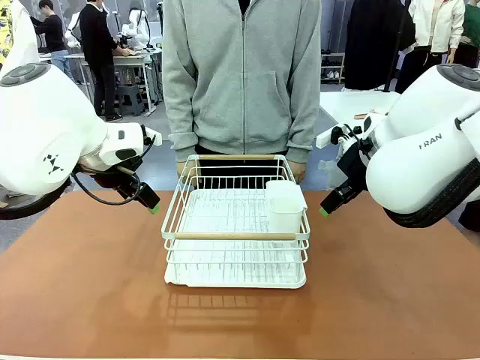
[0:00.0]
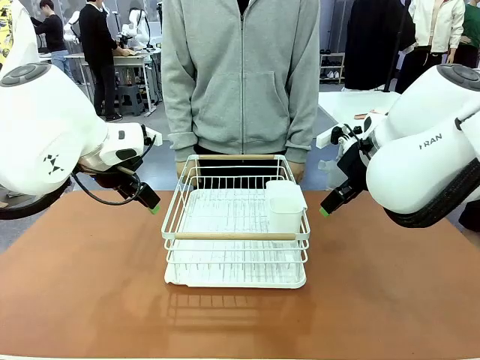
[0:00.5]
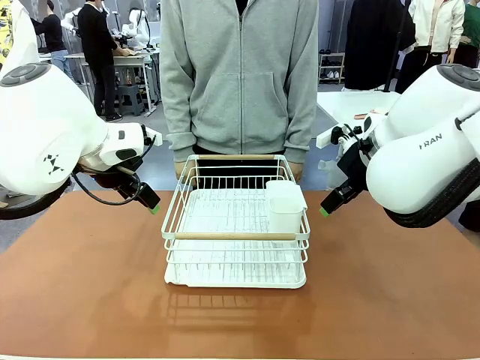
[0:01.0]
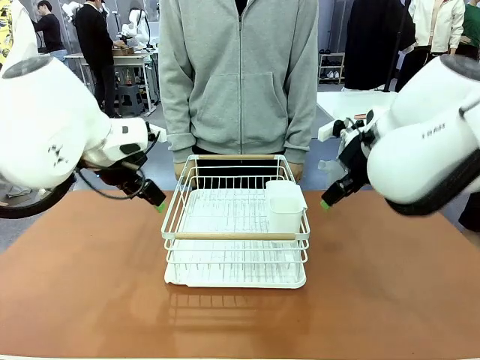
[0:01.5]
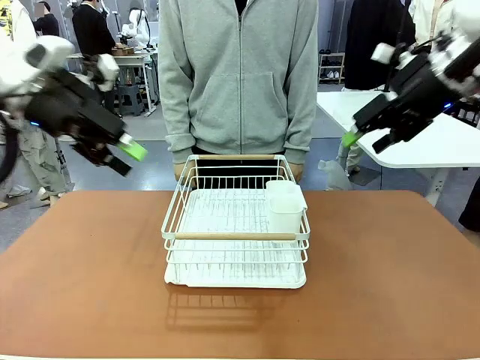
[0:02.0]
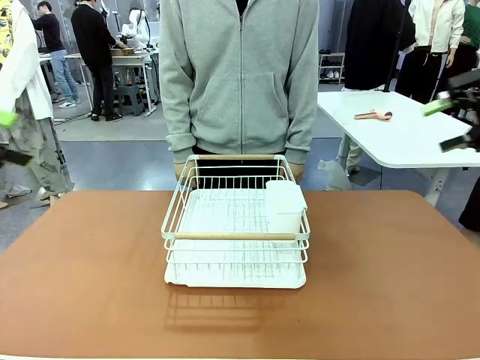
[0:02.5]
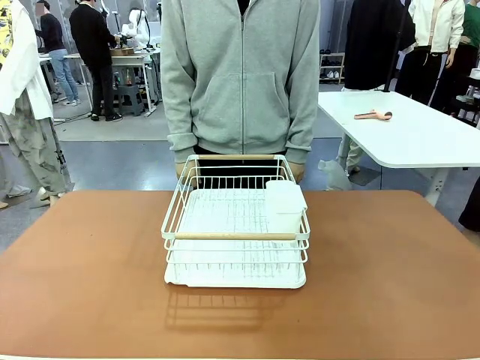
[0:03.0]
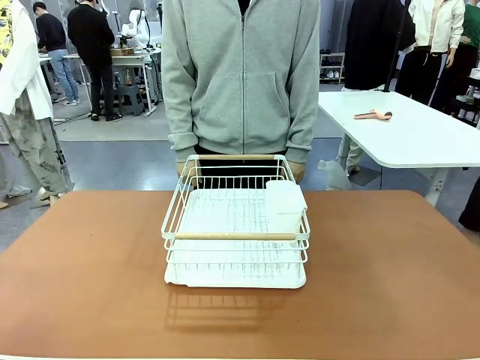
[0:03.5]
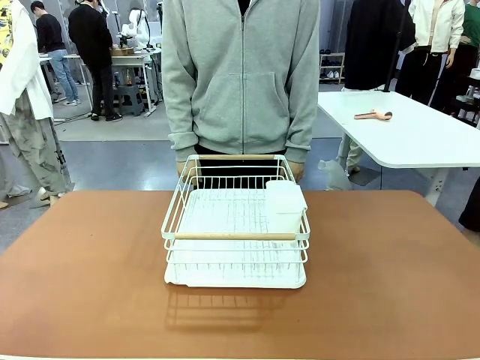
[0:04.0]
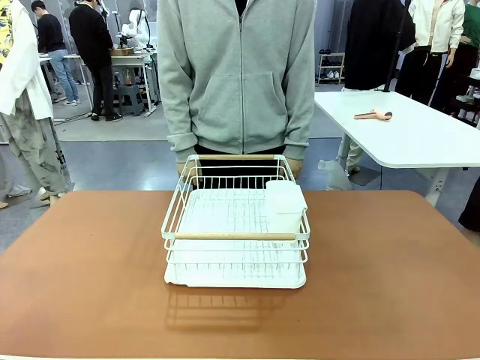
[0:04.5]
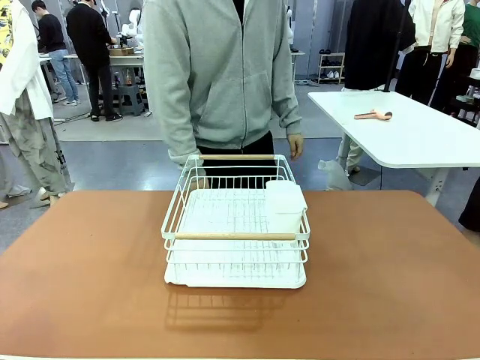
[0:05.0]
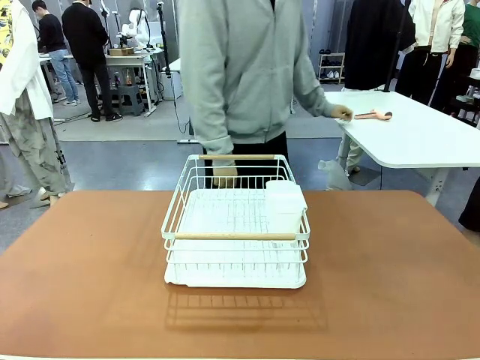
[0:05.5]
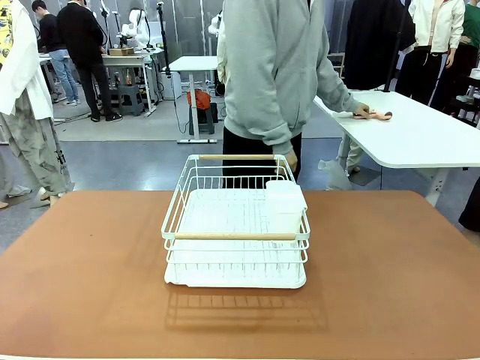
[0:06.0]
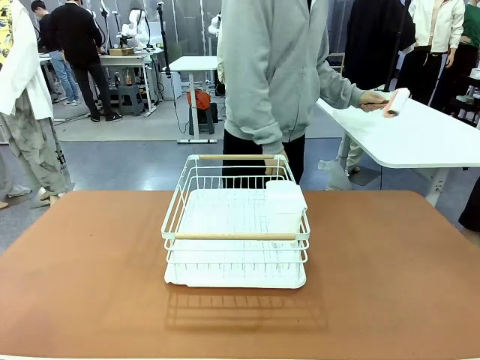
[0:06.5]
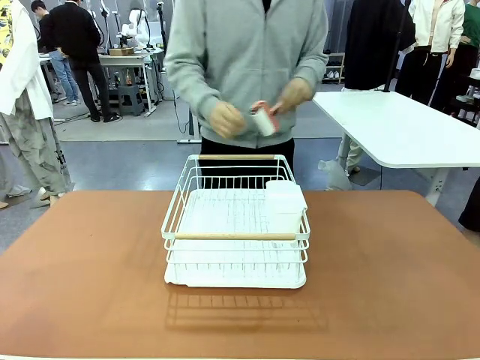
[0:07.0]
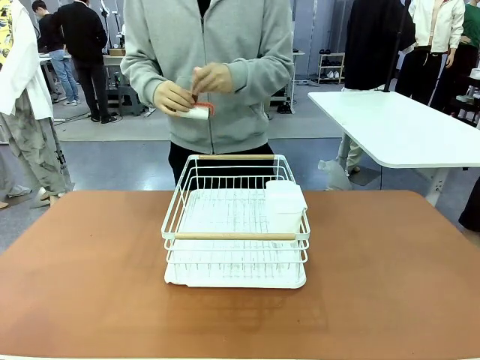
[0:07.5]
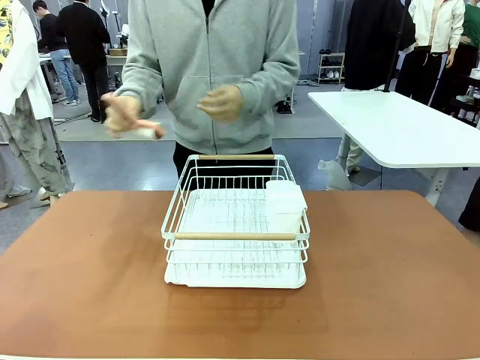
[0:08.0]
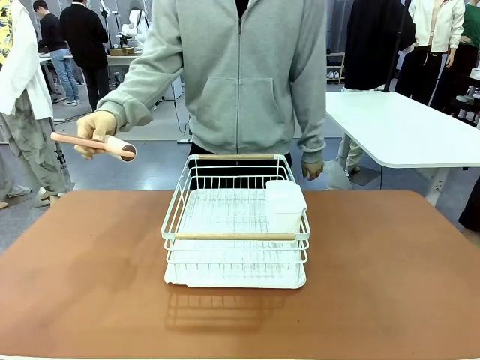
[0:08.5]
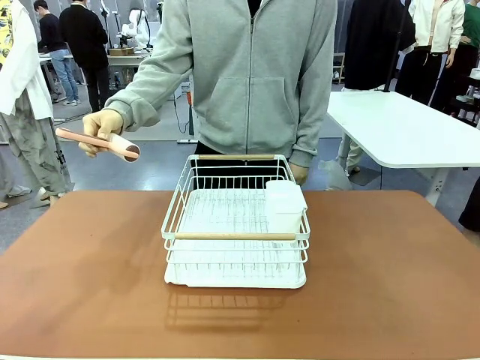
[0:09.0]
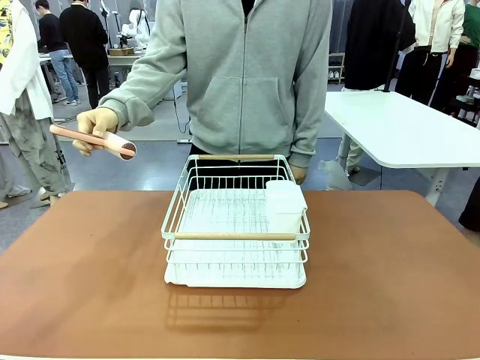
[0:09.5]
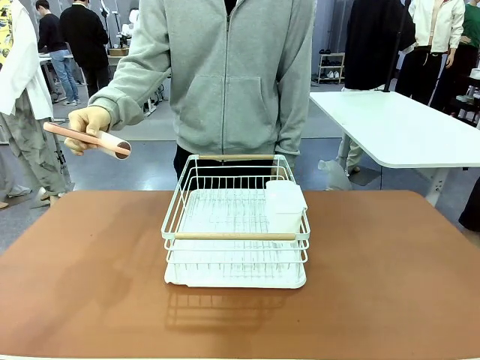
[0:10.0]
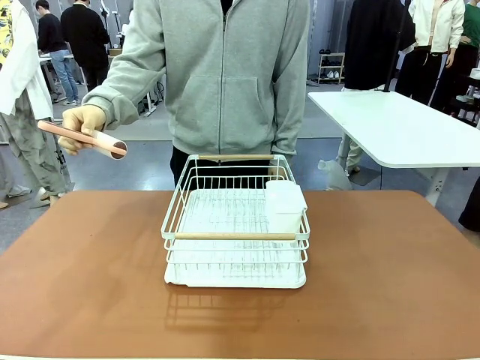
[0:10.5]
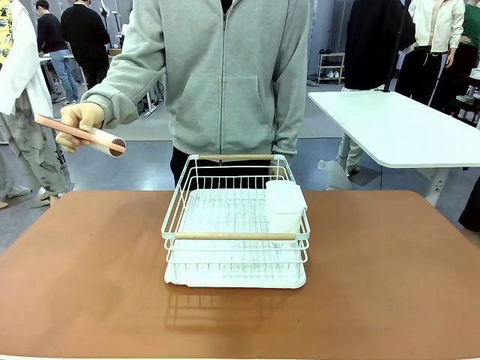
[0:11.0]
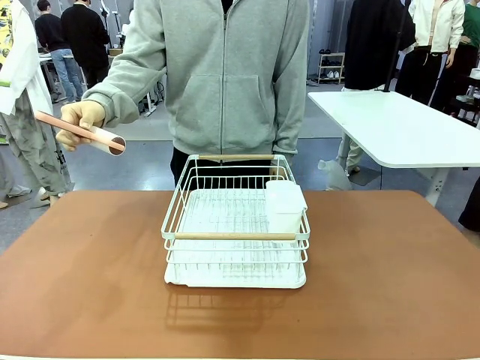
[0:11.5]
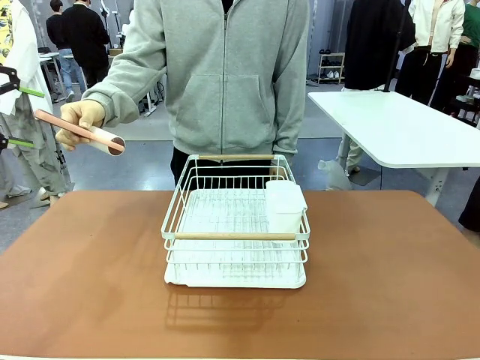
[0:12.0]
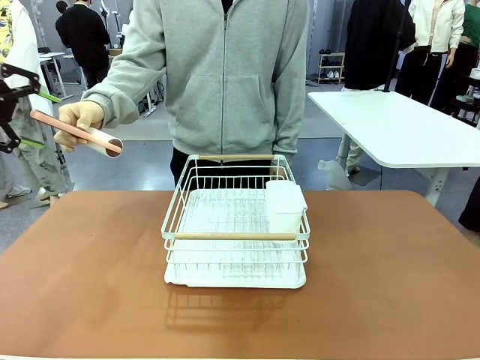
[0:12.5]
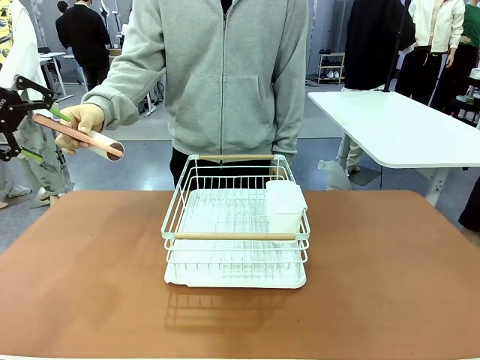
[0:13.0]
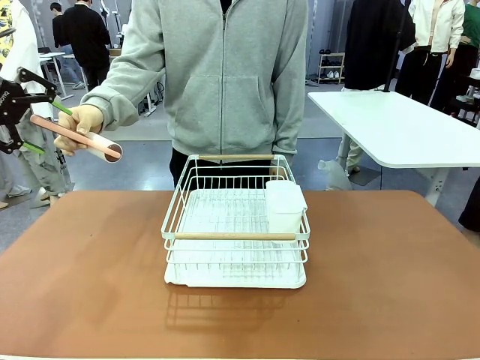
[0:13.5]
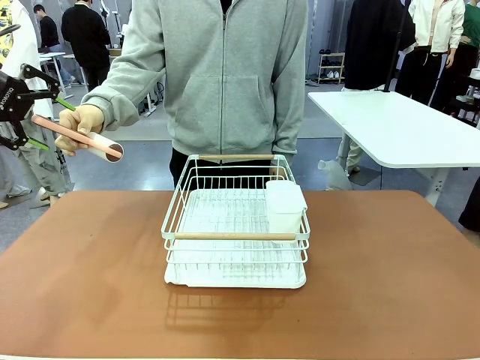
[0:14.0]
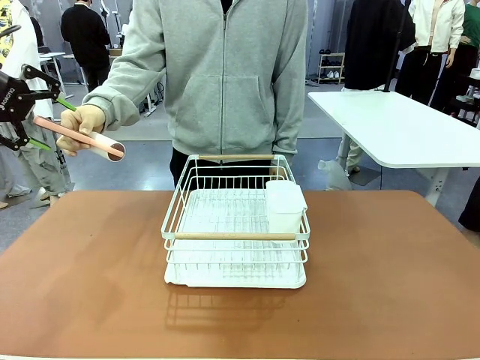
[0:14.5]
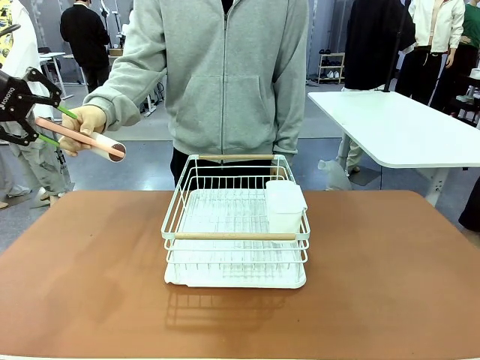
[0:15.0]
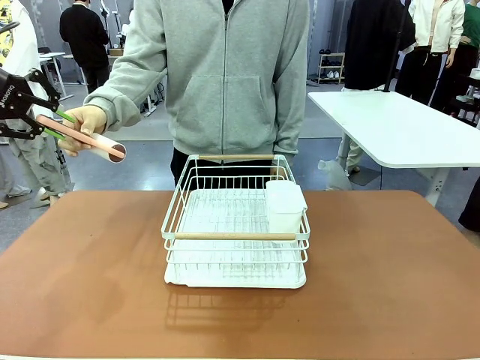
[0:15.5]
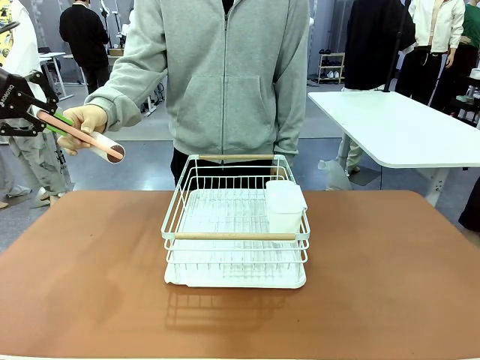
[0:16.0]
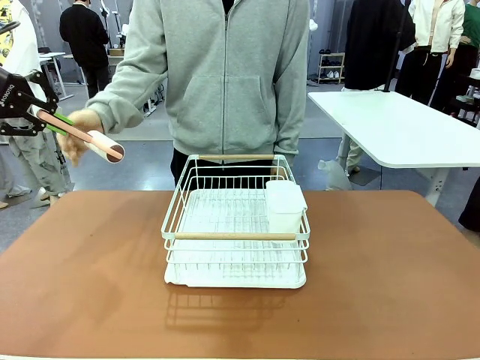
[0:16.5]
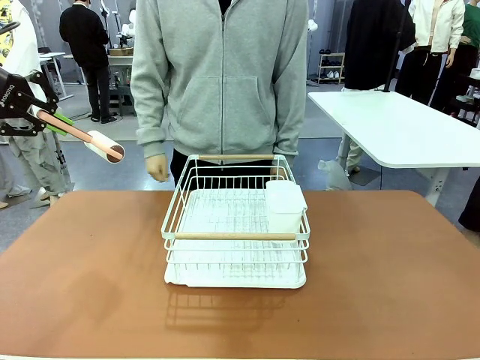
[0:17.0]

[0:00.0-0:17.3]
Task: Clean the table.
Robot: Pick up the Lint Roller when the human hands it over.
Person: Hand the Lint Roller to the robot so it can easily pick it up. Lift the Dish drying rack.

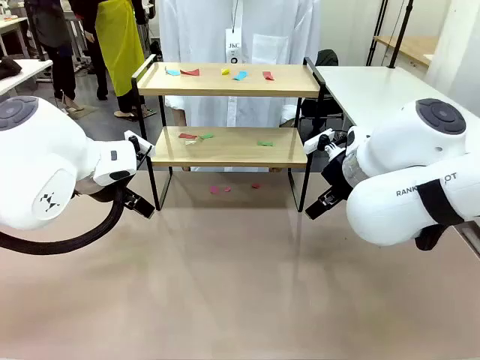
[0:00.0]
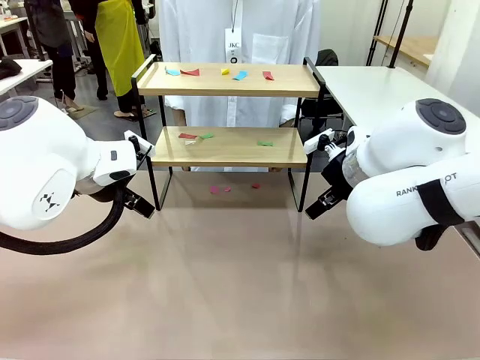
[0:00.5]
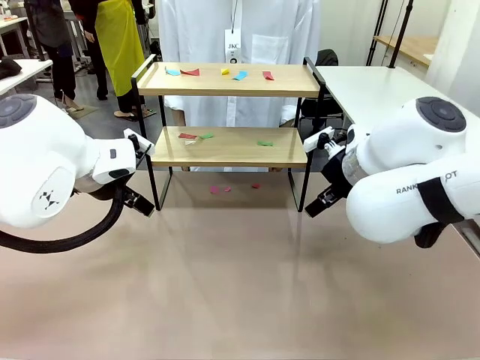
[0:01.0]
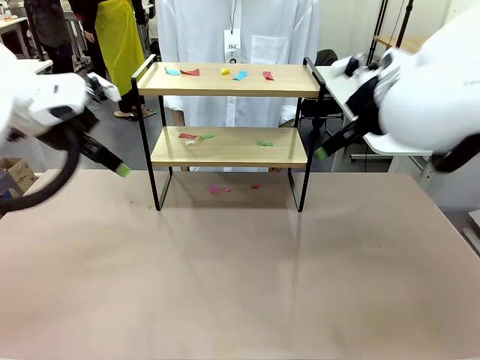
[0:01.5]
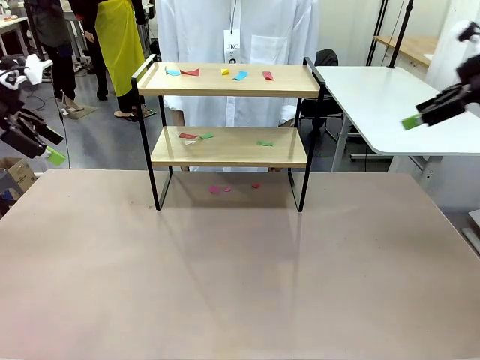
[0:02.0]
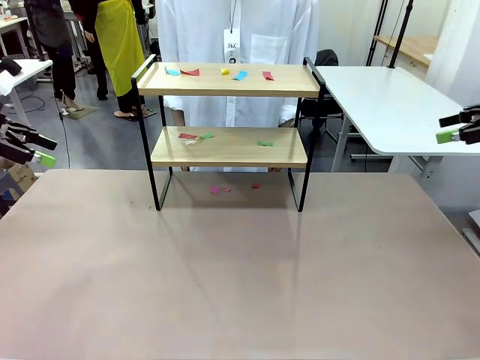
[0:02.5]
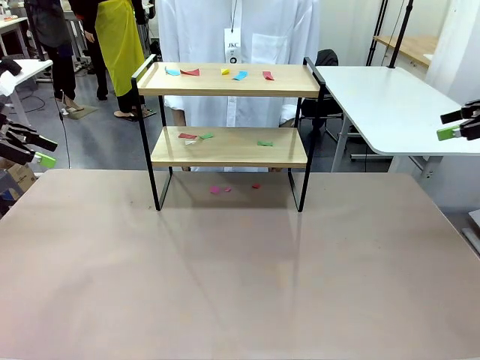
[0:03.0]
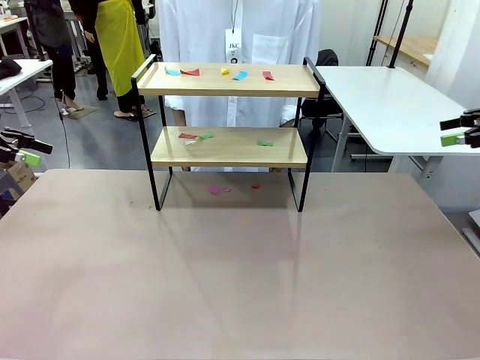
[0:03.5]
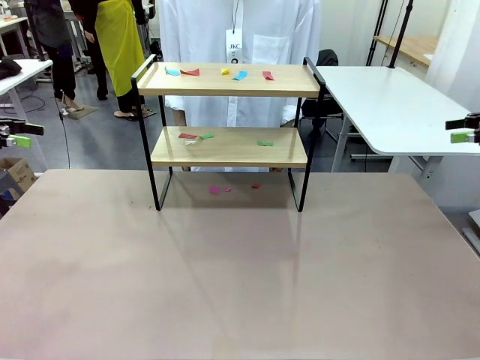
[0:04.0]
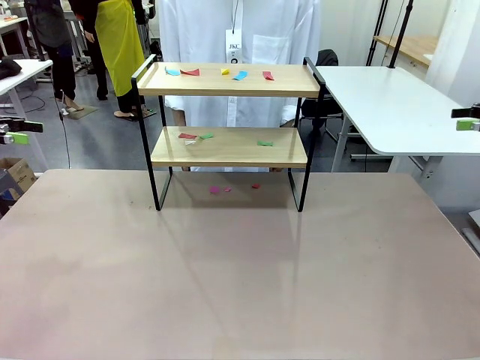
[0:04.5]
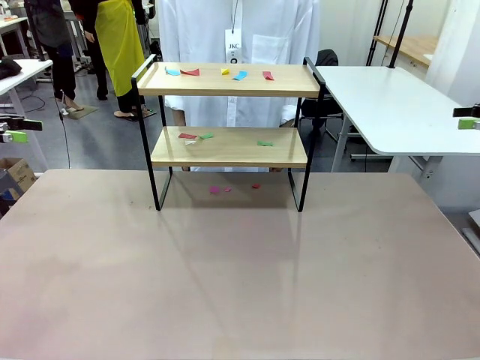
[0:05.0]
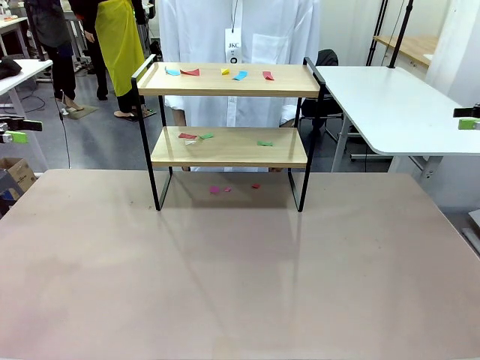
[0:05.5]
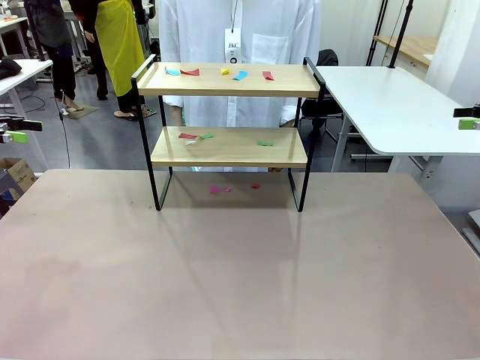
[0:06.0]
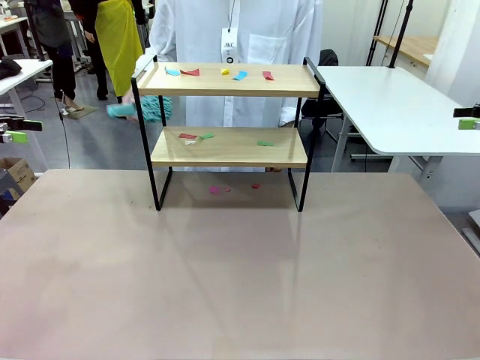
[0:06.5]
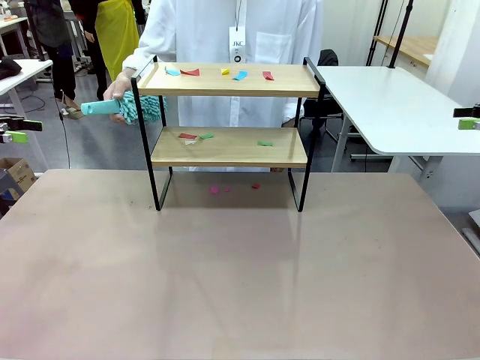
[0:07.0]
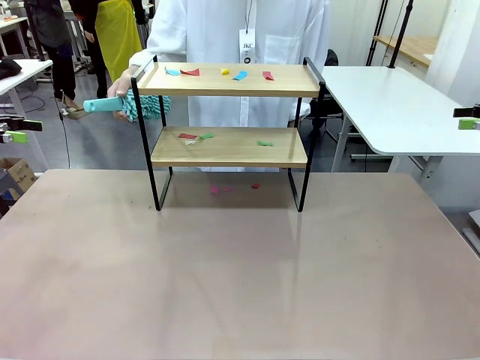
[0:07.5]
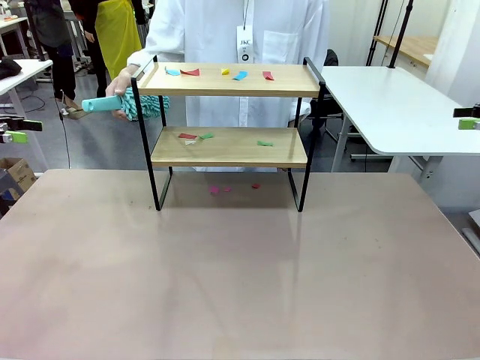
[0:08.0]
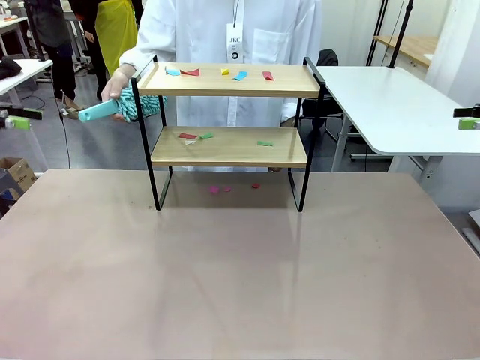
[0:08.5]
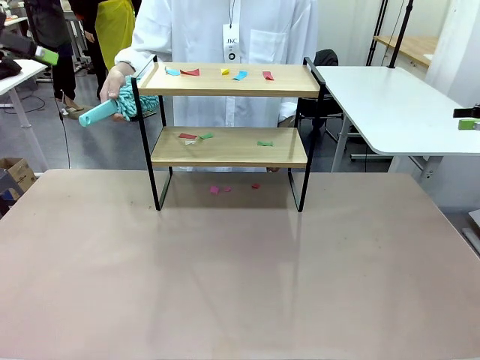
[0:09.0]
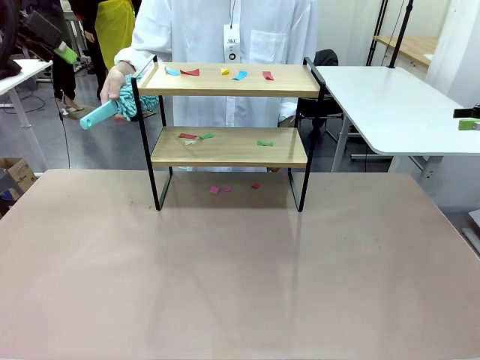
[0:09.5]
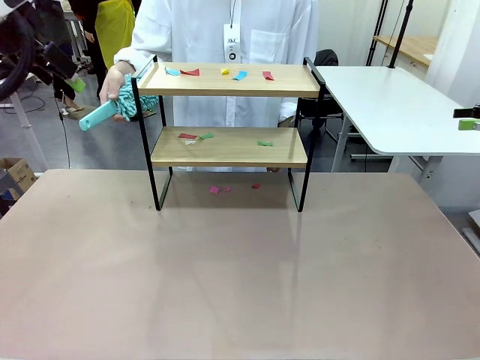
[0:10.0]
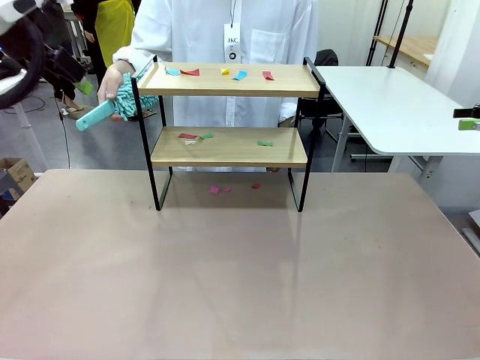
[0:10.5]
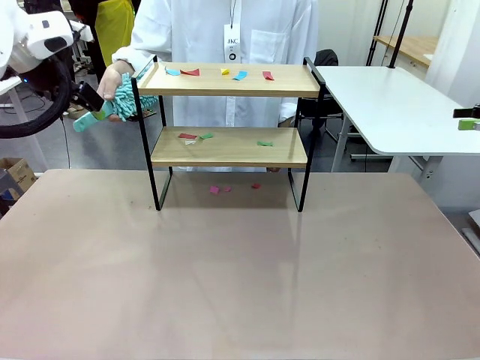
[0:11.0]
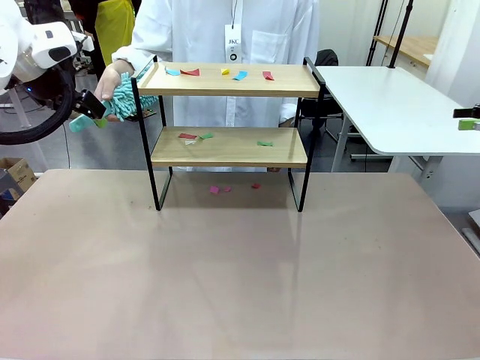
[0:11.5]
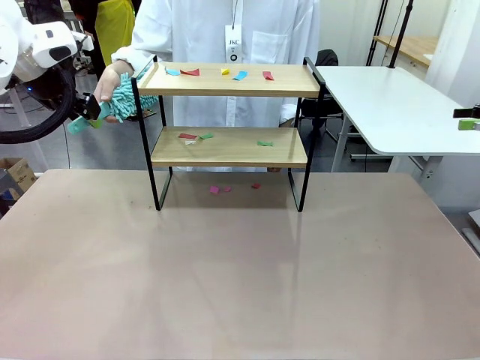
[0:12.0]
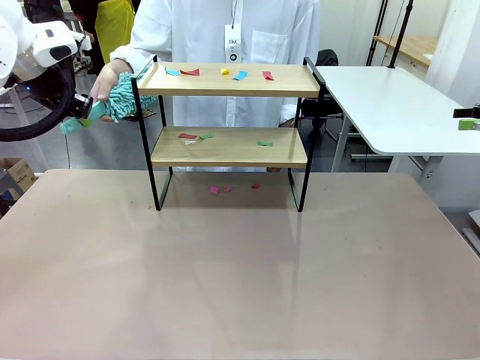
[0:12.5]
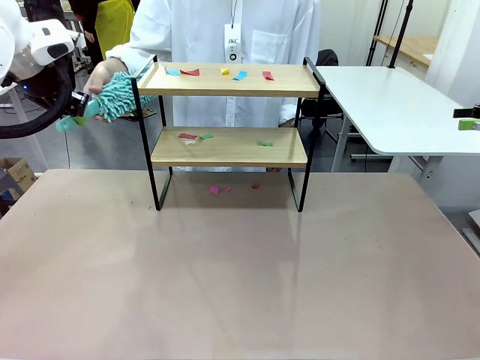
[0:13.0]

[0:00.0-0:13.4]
Task: Clean the shelf.
Robot: Pick up the Duster handed by the human.
Person: Hand the Duster to the robot.
